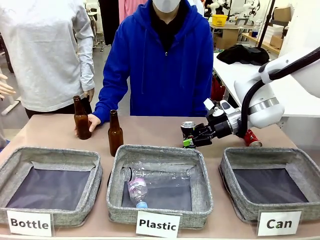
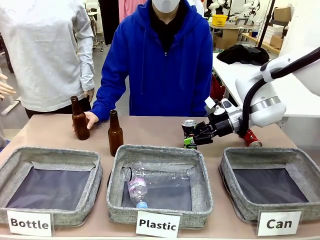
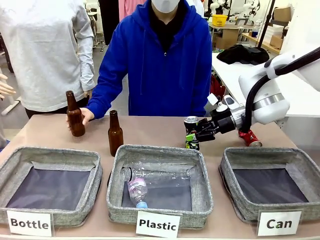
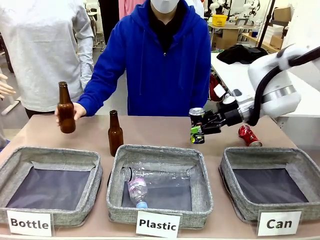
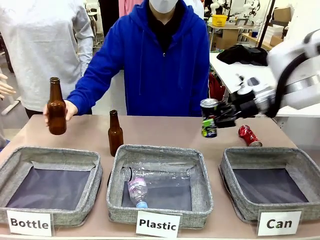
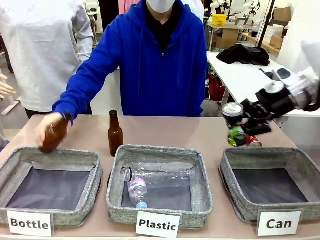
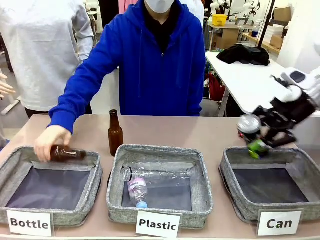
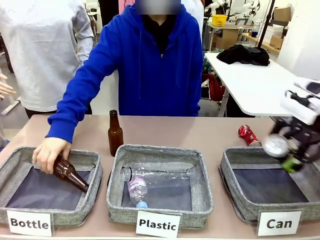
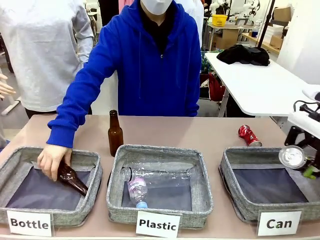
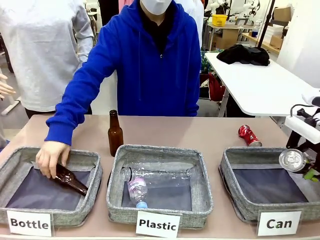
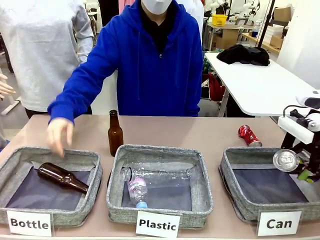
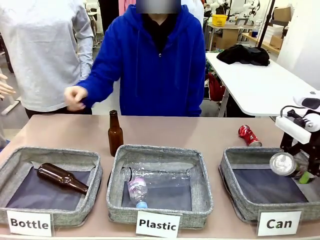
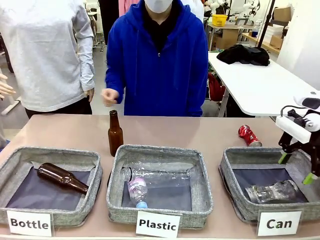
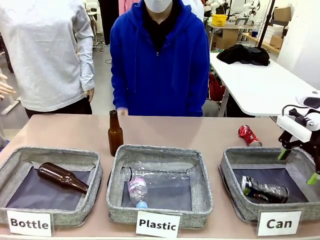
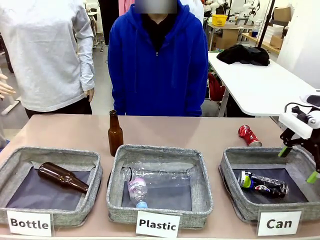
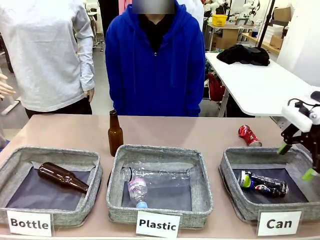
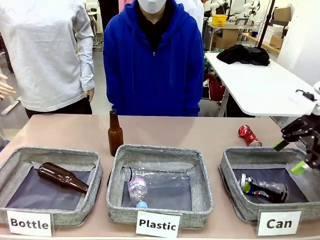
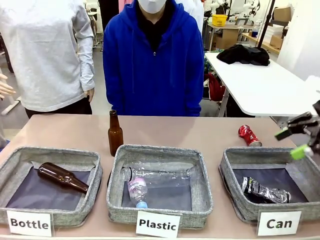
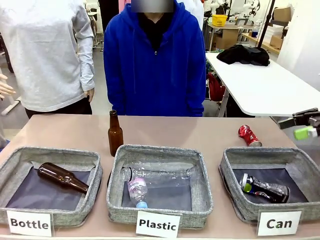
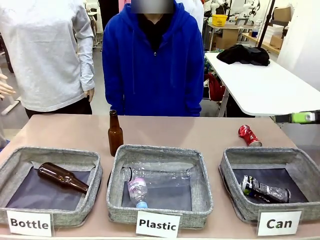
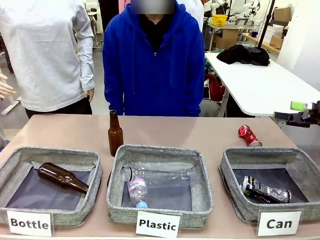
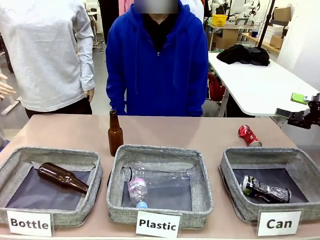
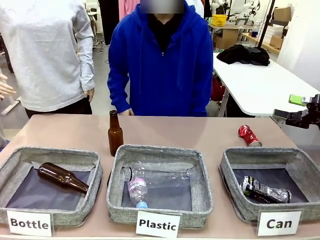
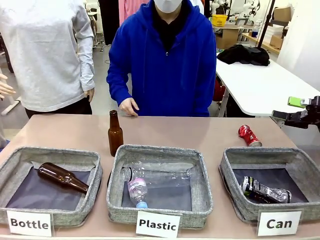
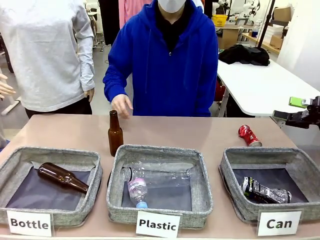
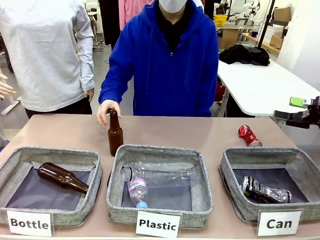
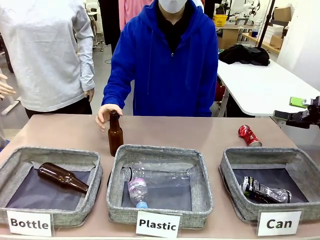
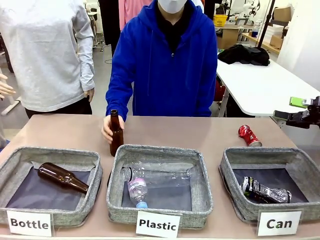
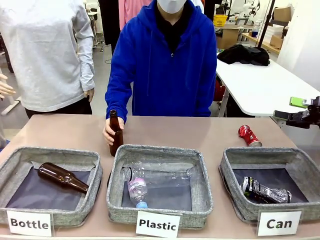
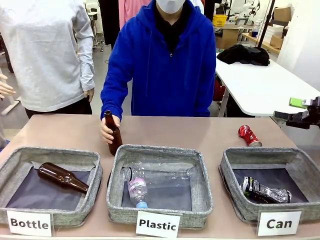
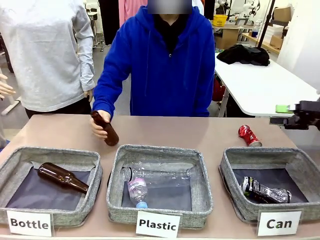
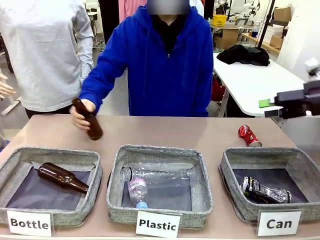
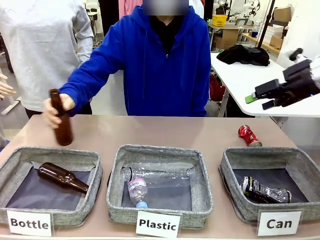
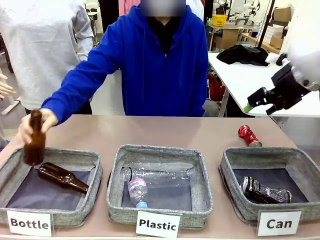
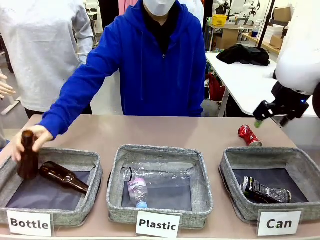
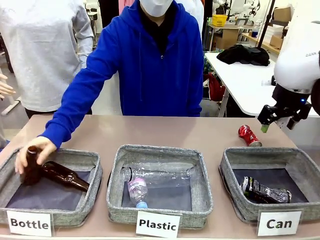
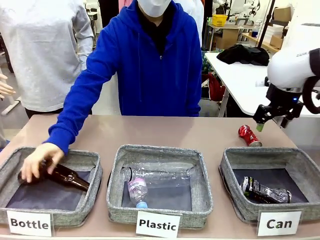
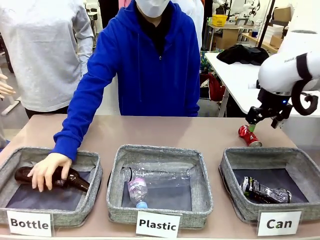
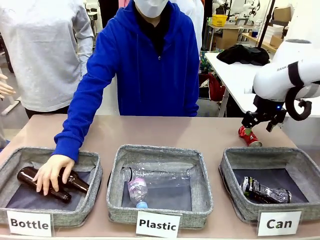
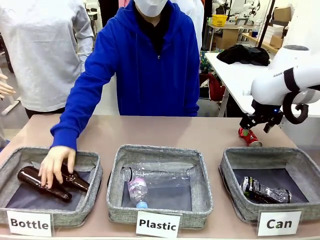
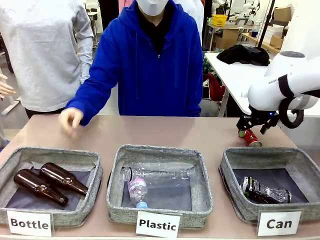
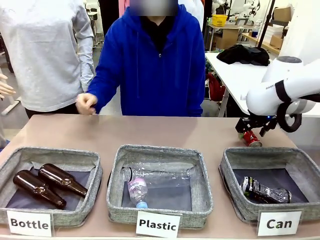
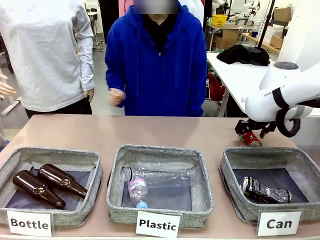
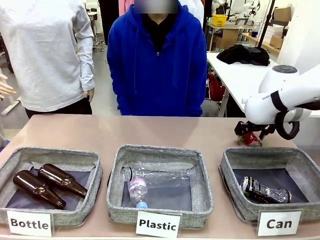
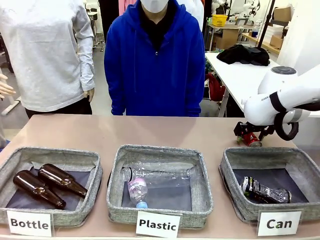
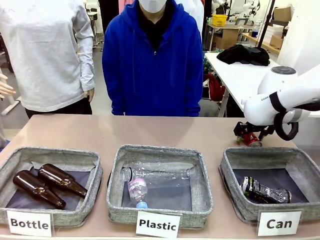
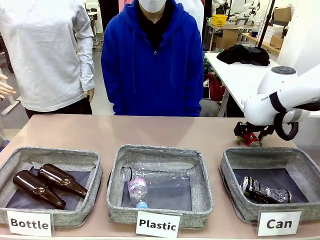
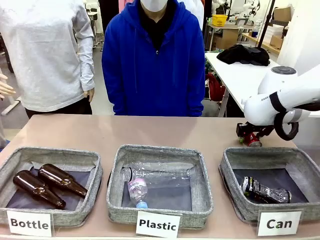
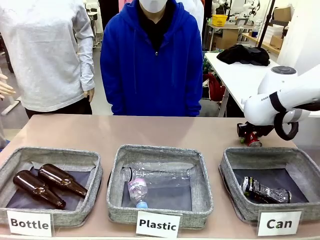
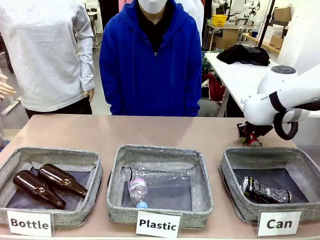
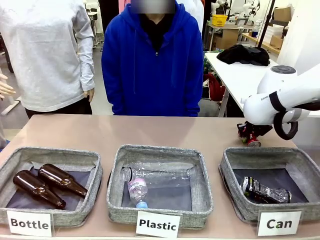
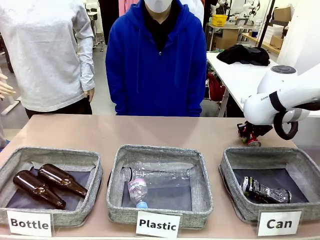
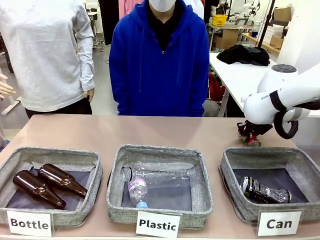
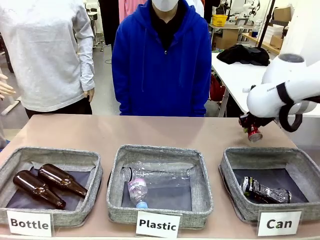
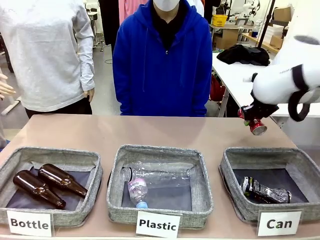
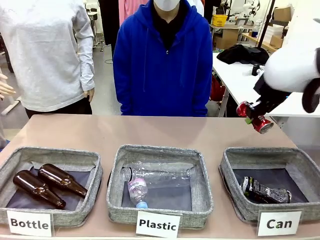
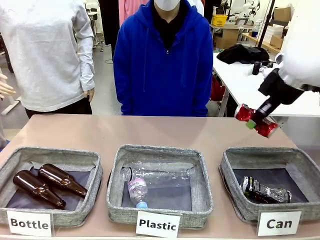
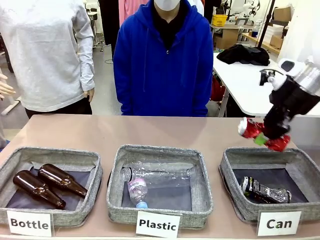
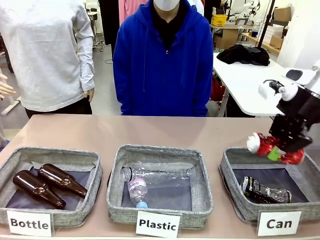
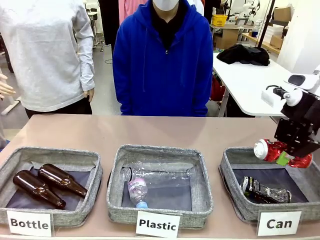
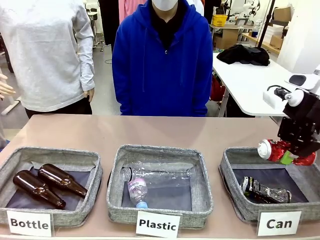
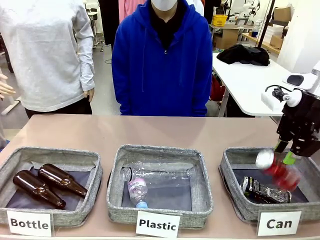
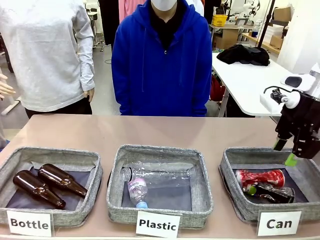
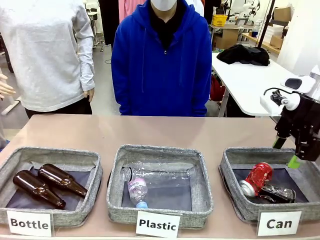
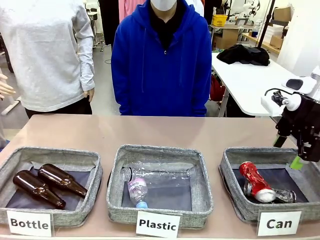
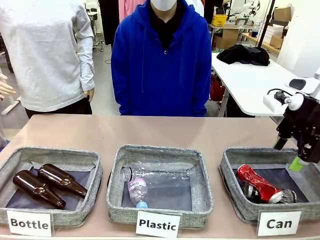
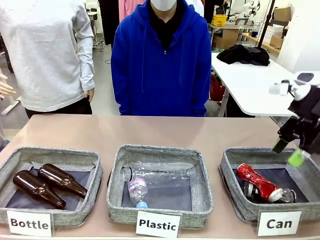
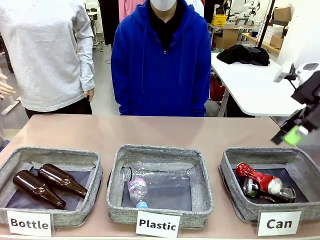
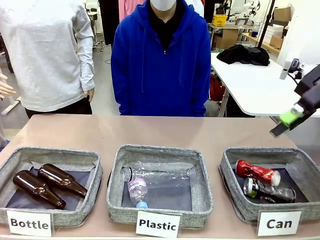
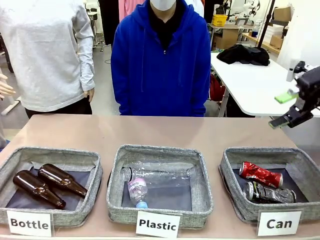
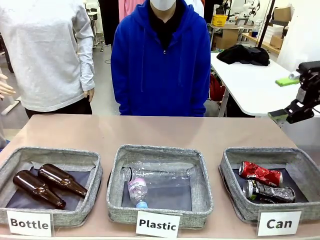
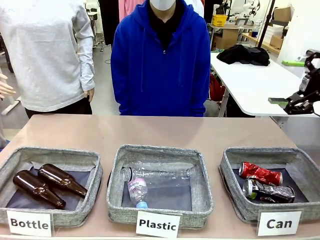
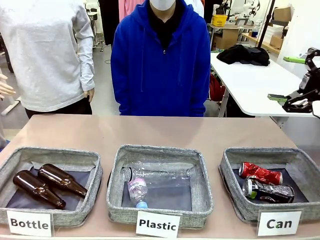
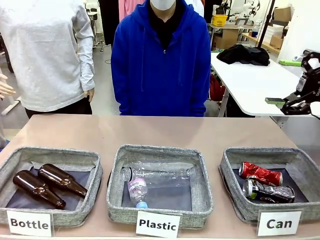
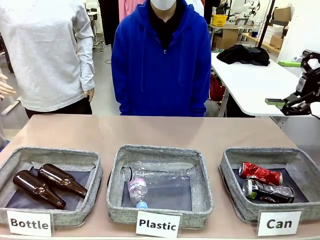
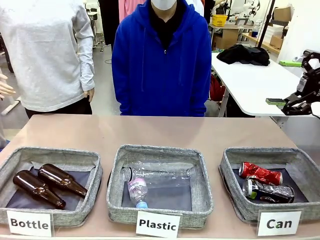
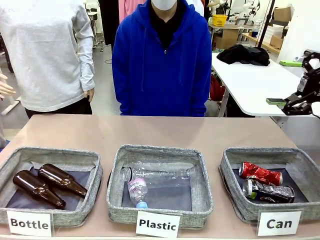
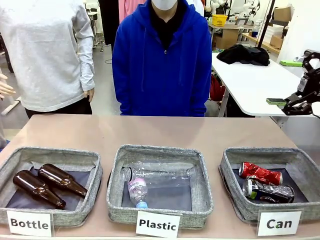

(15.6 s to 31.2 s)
Task: Sort the can waste into the basket.
Robot: Pick up the can waste from the table and place it in the right Fabric basket.
